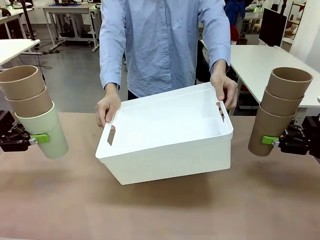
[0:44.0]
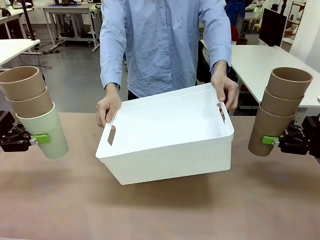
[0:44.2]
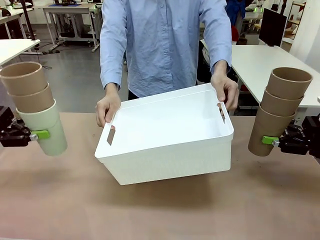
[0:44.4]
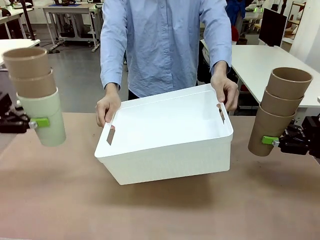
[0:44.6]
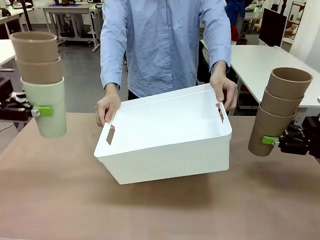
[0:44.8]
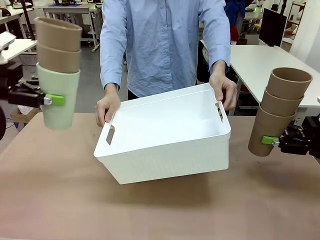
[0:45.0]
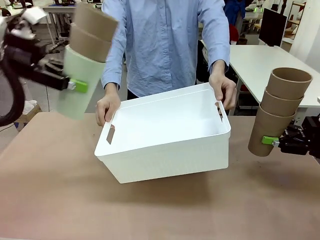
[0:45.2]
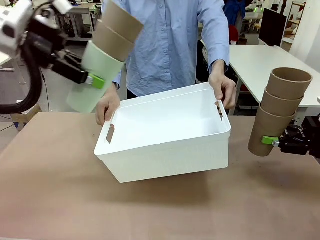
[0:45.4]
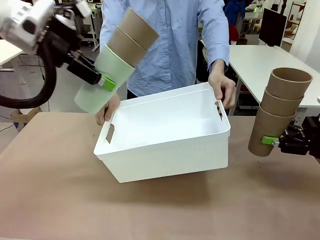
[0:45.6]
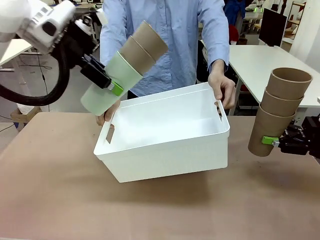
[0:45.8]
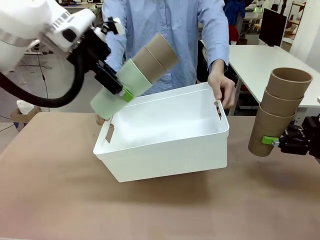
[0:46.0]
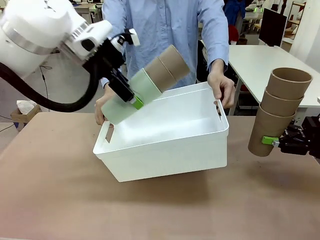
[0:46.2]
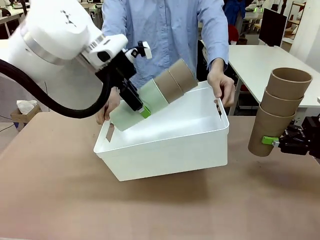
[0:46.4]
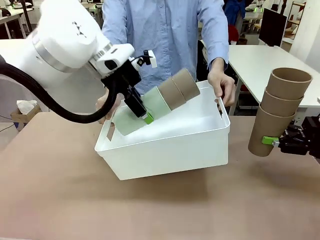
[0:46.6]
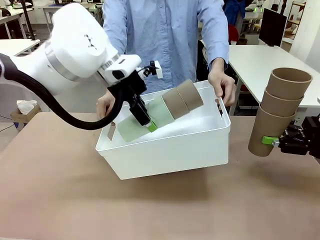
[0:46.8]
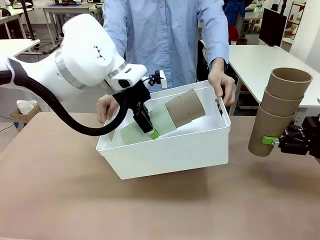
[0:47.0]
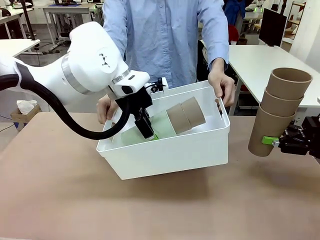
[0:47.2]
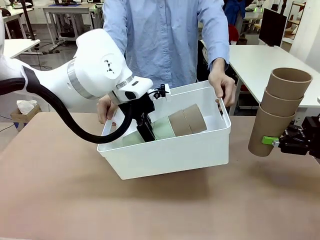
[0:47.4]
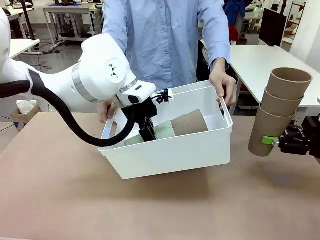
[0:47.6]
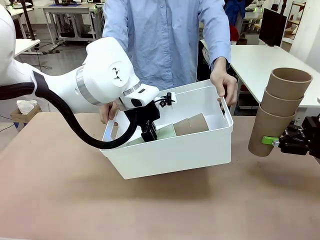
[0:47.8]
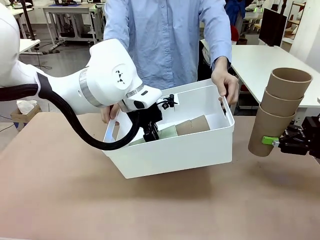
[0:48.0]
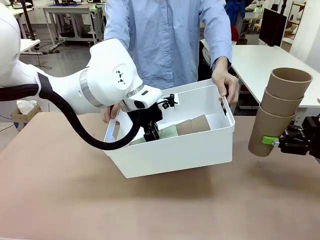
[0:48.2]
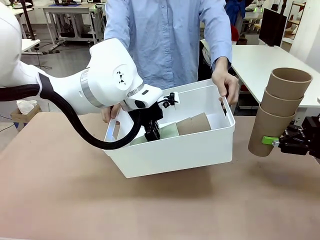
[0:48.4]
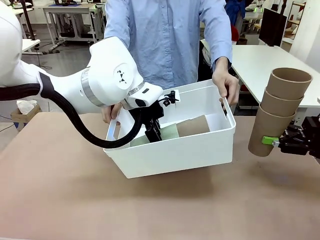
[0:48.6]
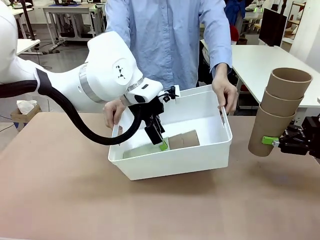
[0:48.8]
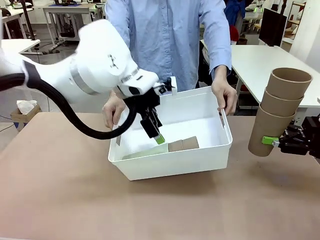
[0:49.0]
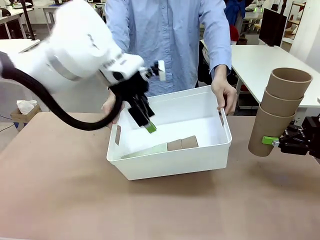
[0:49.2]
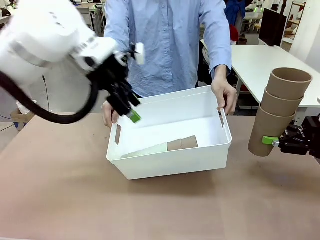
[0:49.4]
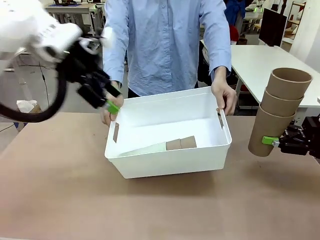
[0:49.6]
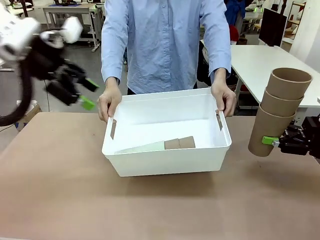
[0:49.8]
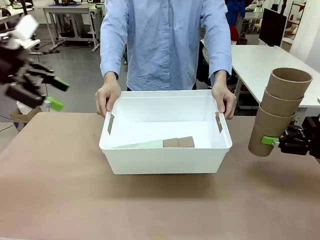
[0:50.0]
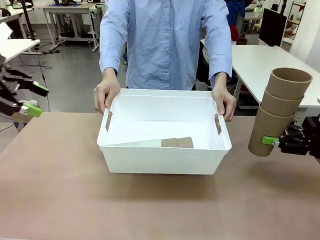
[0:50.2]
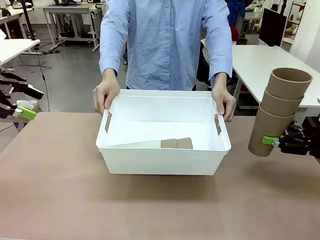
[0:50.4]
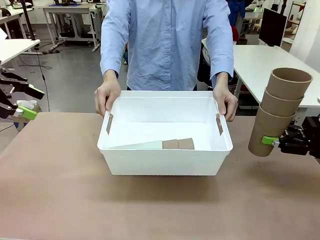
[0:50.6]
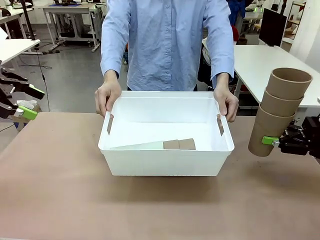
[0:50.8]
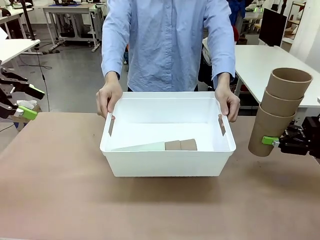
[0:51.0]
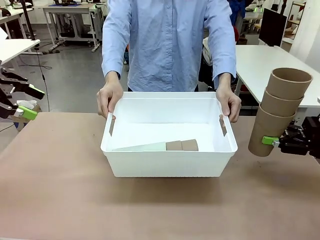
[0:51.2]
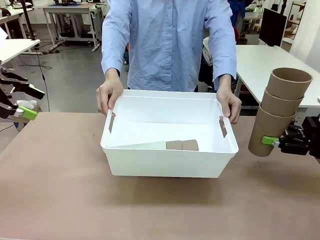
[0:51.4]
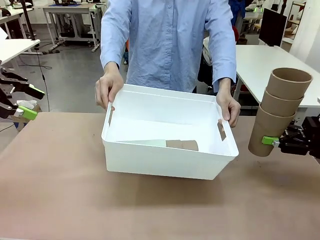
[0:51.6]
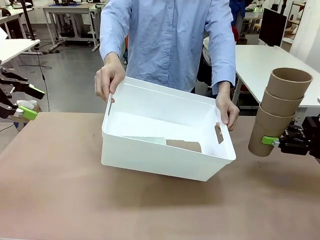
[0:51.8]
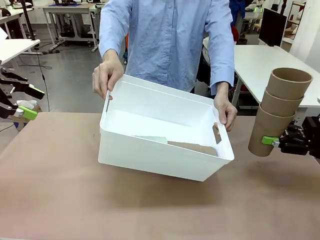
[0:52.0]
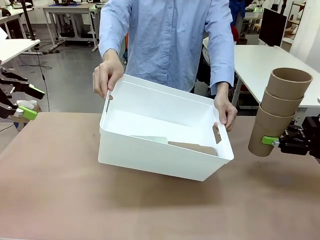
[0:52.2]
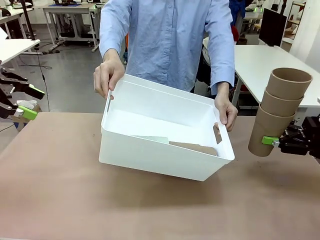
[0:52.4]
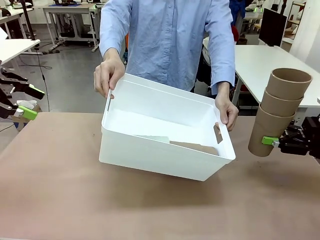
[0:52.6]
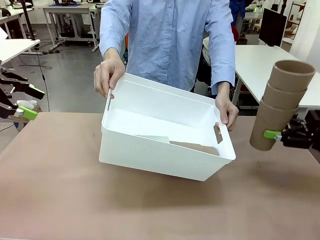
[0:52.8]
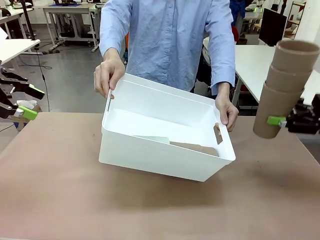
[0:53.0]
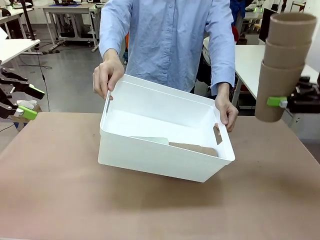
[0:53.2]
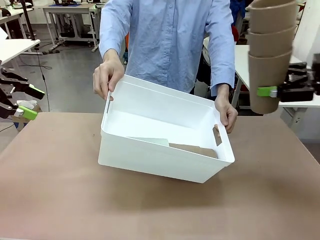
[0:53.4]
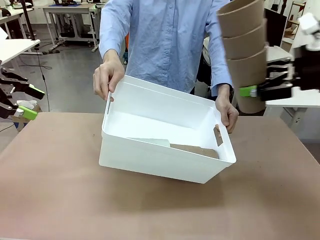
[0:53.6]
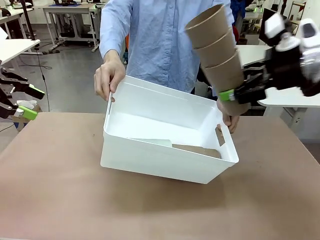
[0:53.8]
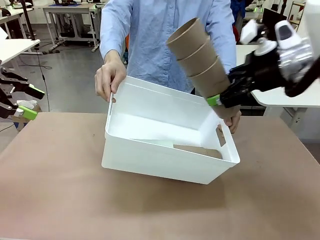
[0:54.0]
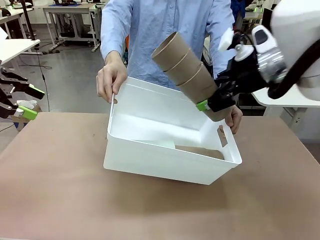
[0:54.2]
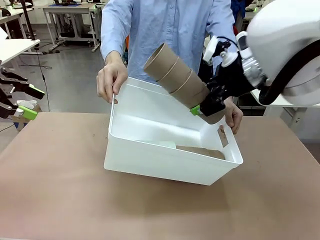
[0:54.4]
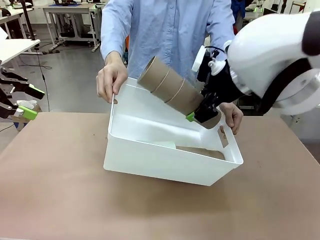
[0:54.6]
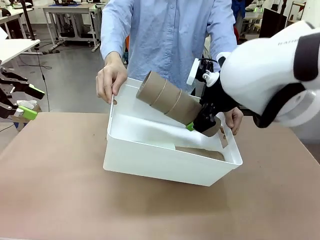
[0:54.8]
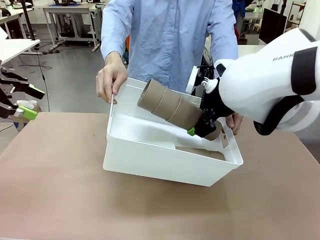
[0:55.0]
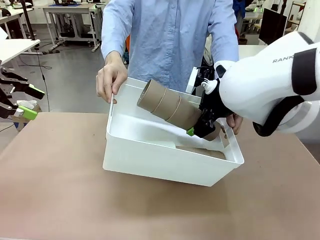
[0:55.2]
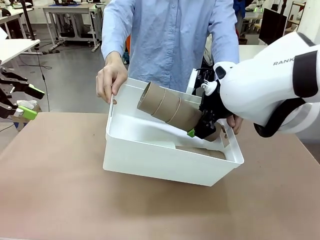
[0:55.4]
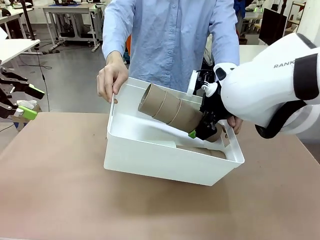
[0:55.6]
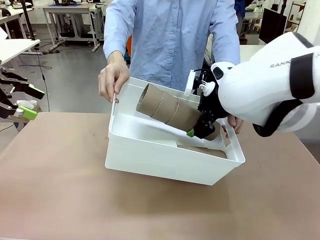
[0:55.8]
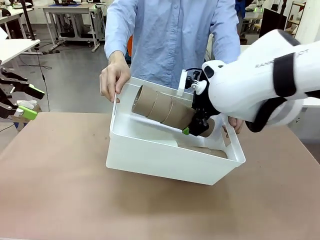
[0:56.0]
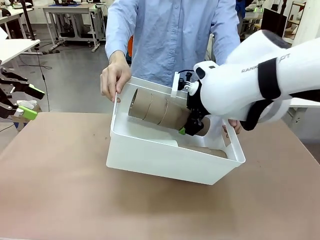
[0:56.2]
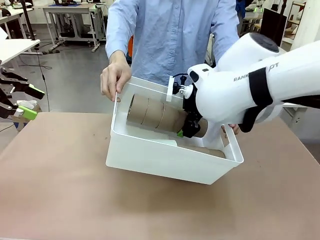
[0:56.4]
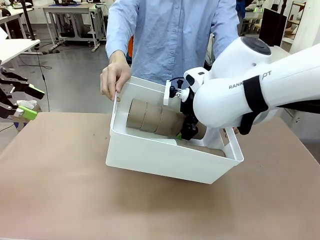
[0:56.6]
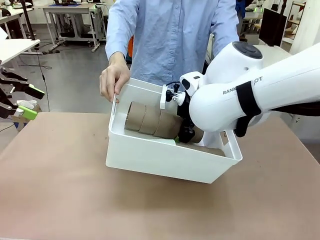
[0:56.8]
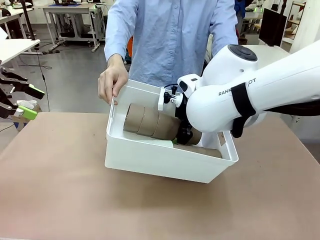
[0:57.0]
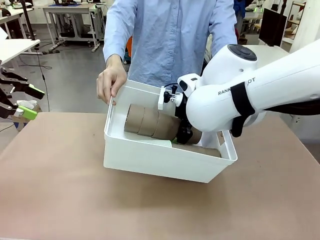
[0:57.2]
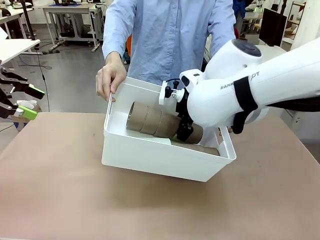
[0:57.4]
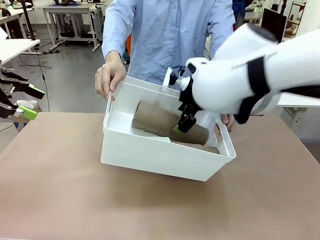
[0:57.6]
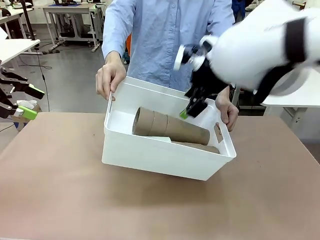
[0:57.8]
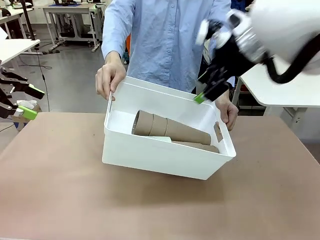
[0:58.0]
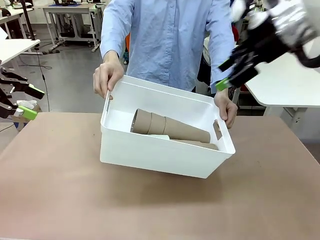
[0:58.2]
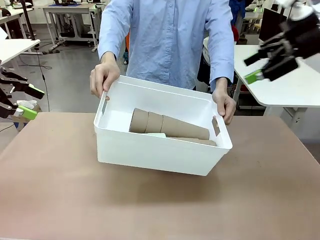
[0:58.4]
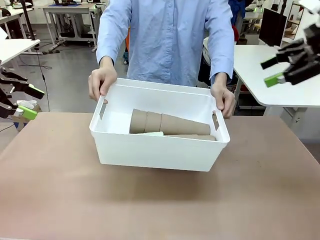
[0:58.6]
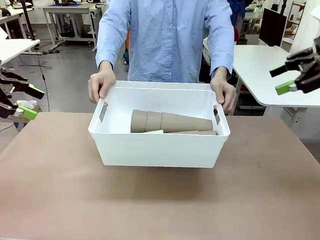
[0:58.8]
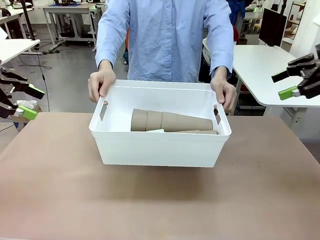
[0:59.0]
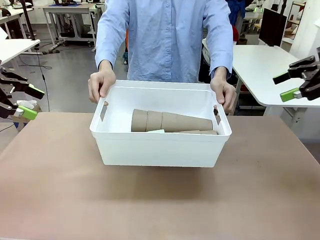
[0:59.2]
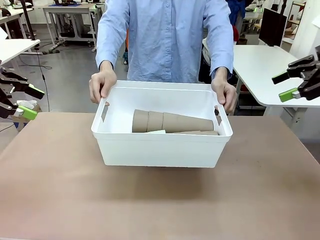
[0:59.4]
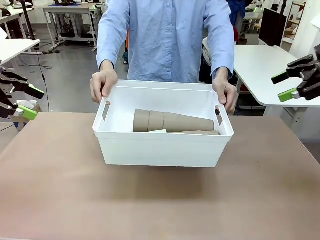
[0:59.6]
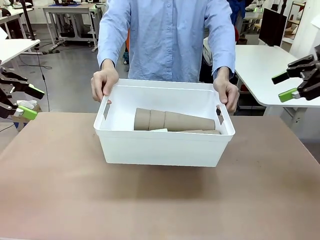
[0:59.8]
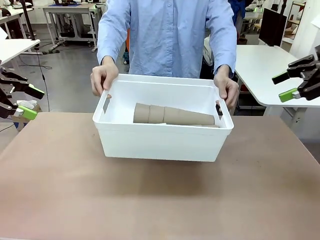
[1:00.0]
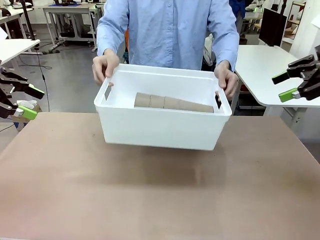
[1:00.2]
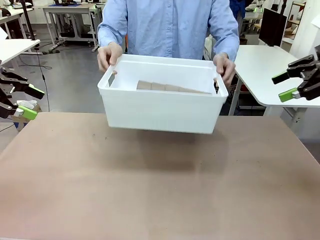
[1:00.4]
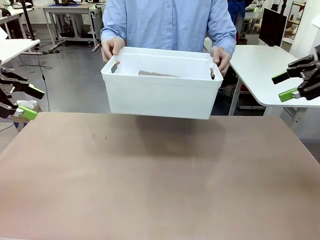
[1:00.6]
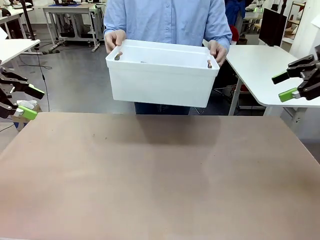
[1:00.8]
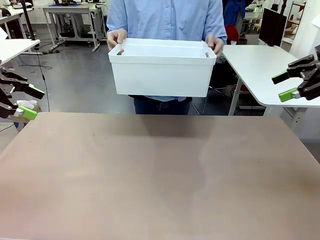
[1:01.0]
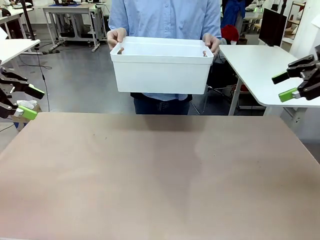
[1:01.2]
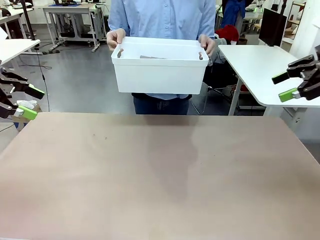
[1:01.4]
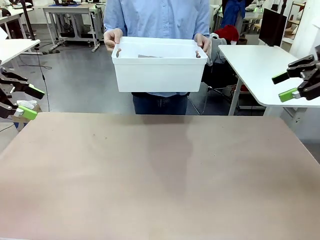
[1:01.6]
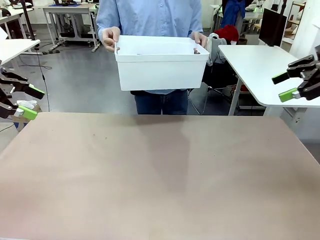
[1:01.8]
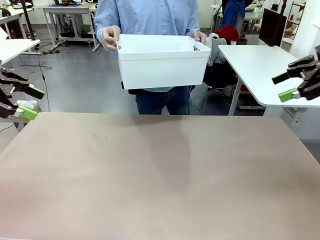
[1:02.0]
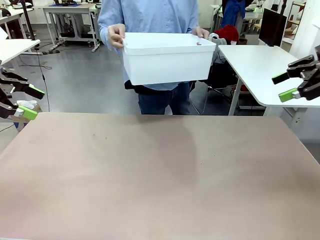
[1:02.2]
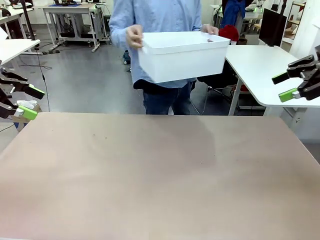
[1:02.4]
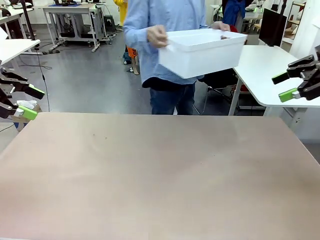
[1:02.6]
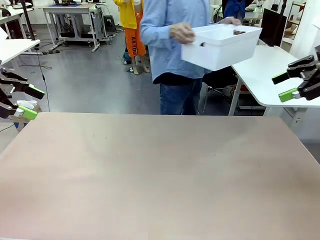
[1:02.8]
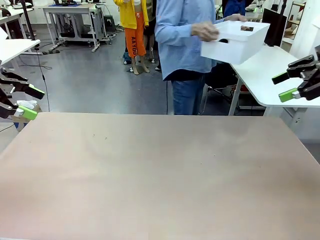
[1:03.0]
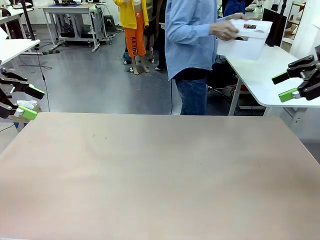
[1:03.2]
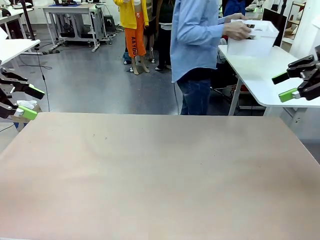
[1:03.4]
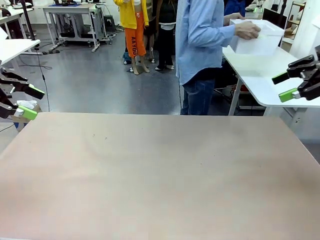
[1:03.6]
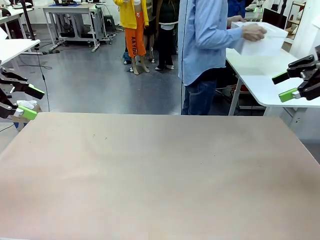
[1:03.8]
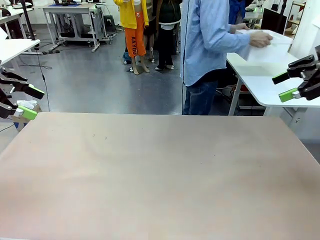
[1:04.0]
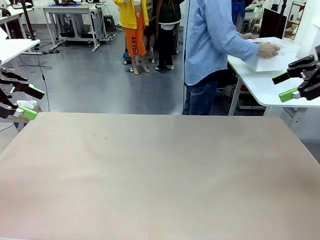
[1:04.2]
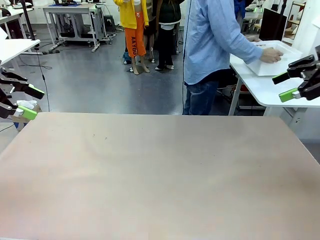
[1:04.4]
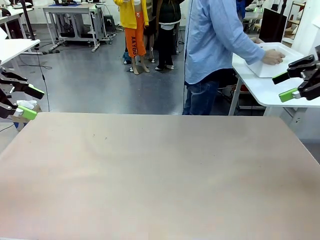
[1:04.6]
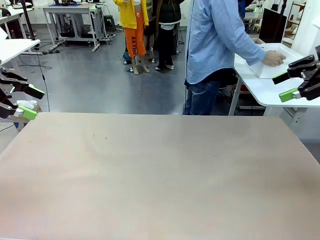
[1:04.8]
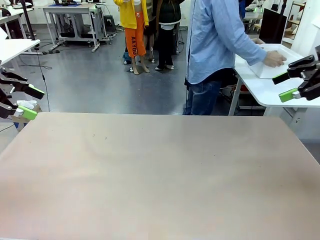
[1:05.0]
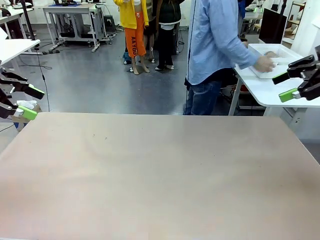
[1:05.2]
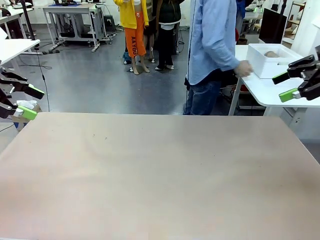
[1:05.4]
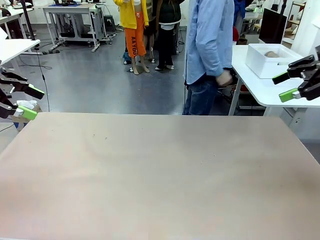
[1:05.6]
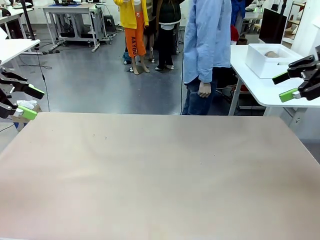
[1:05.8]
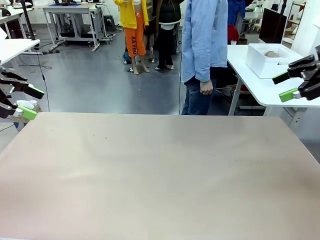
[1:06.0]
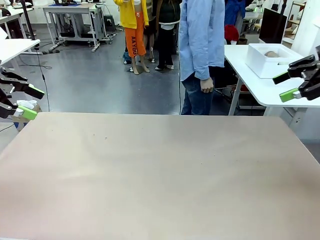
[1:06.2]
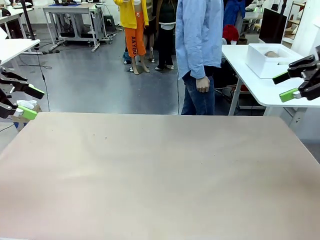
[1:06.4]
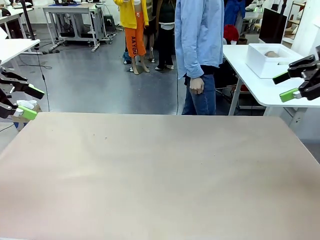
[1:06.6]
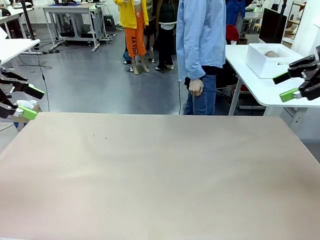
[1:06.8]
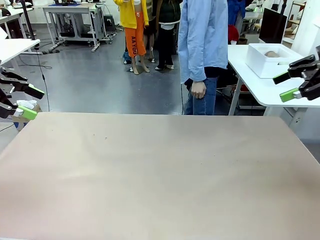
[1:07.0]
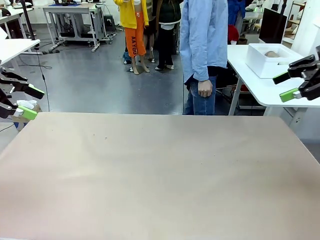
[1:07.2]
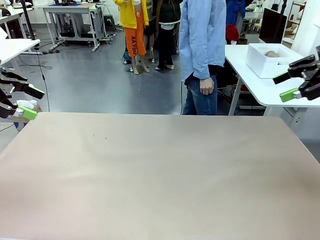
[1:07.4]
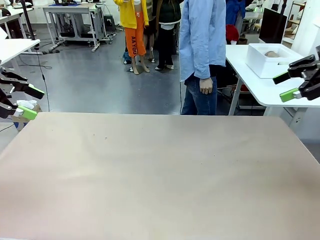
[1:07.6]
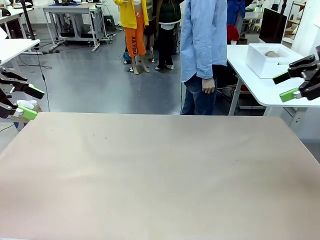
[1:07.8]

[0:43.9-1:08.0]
Task: Stack the cups and store them in the basket.
Robot: Place the stack of Reusable plastic cups into the Pantry Basket.
Person: Place the basket containing the cups in the middle of the Human Table.
